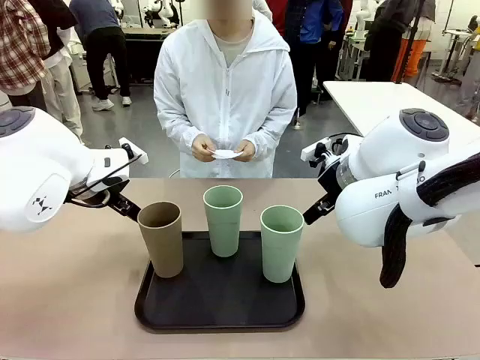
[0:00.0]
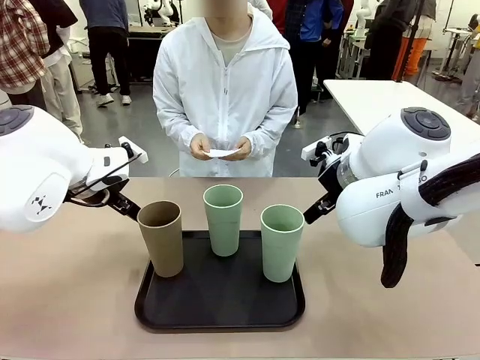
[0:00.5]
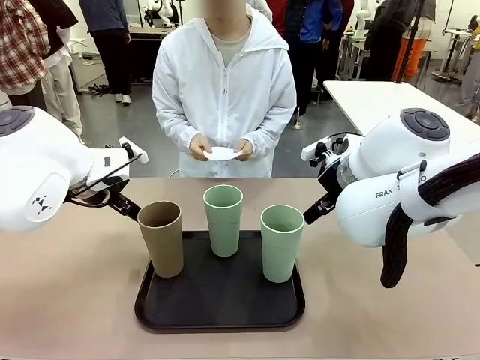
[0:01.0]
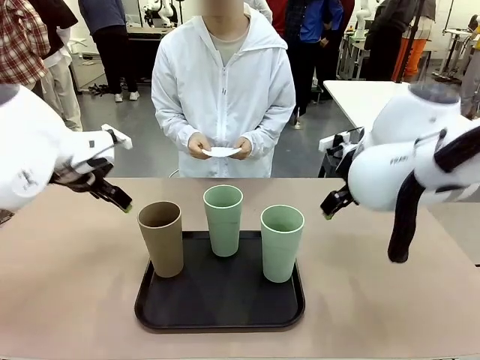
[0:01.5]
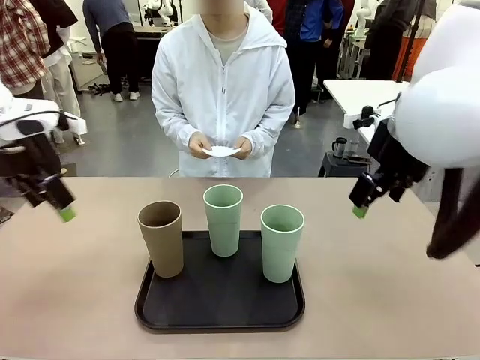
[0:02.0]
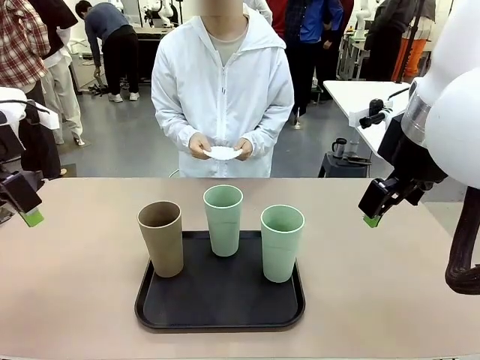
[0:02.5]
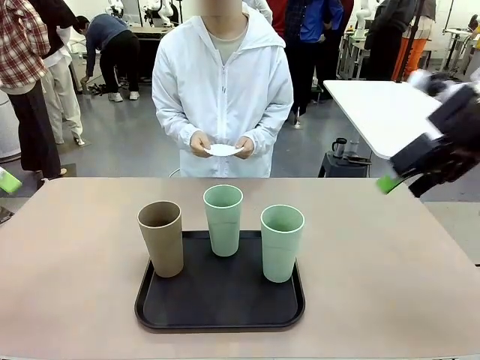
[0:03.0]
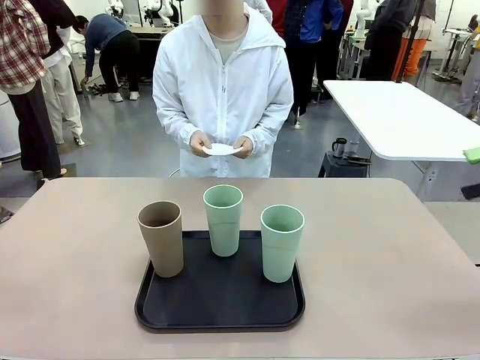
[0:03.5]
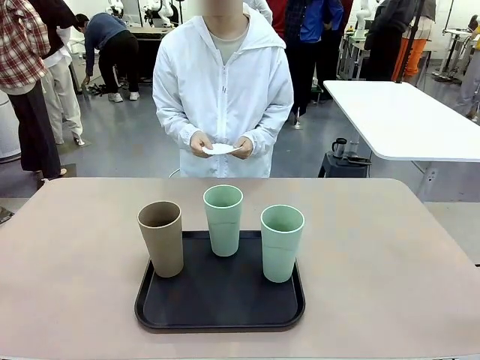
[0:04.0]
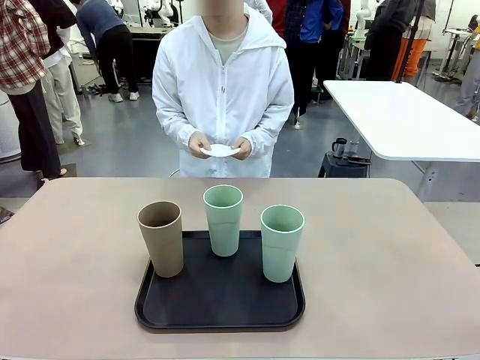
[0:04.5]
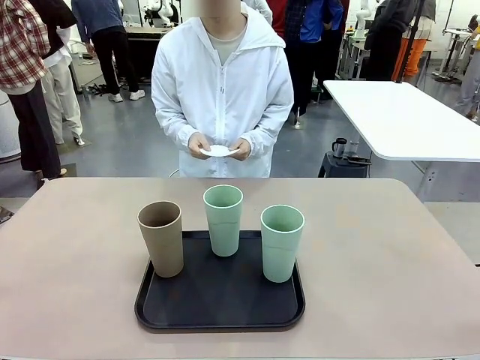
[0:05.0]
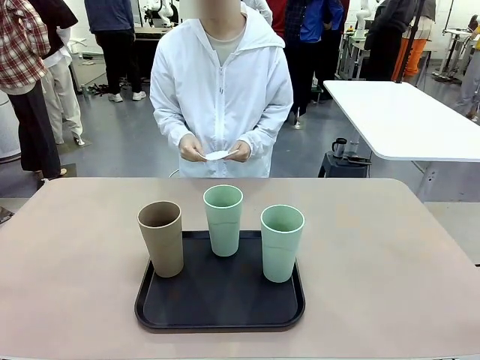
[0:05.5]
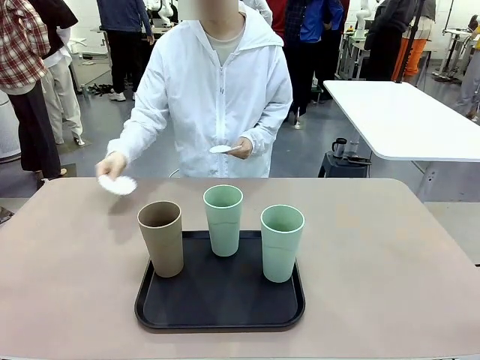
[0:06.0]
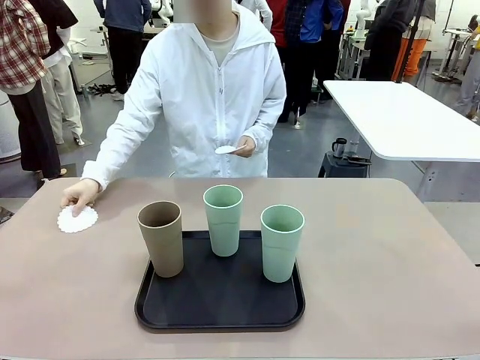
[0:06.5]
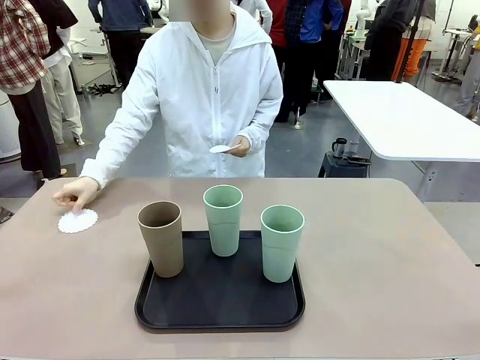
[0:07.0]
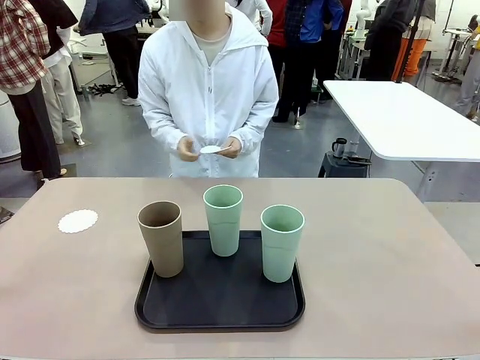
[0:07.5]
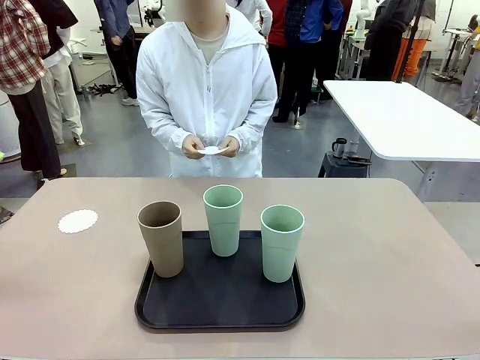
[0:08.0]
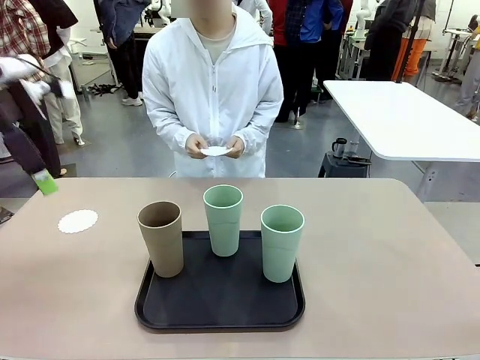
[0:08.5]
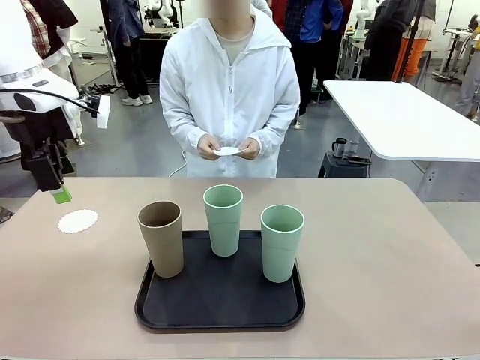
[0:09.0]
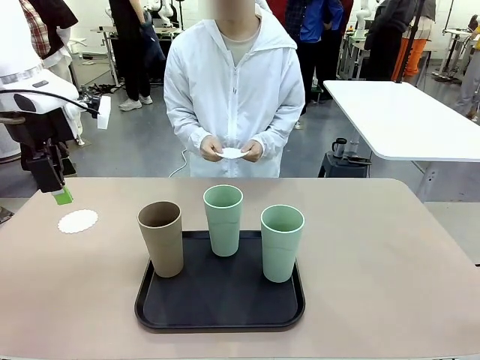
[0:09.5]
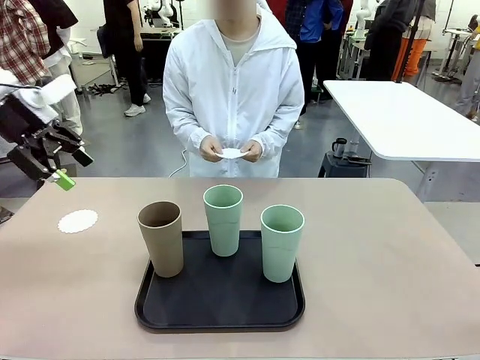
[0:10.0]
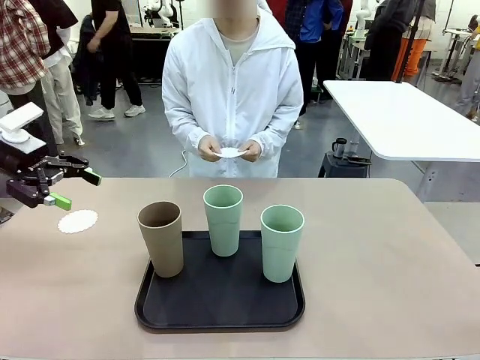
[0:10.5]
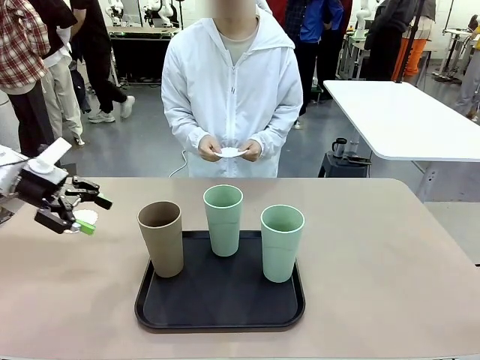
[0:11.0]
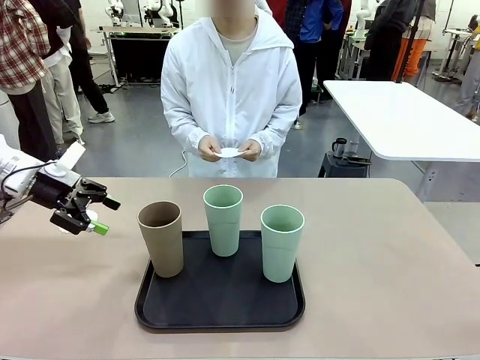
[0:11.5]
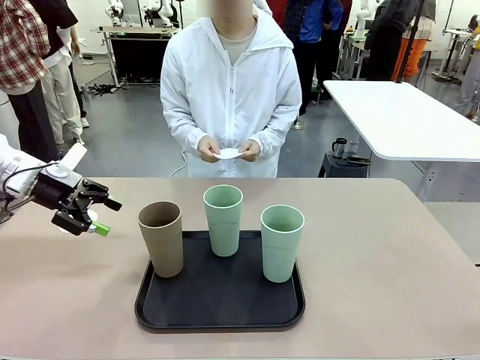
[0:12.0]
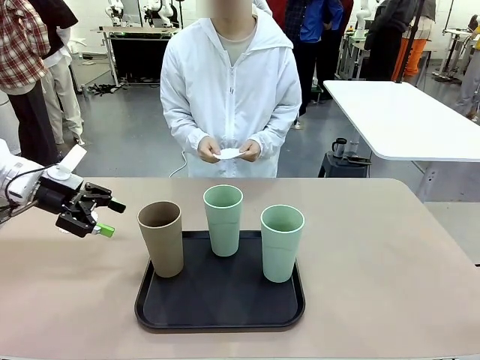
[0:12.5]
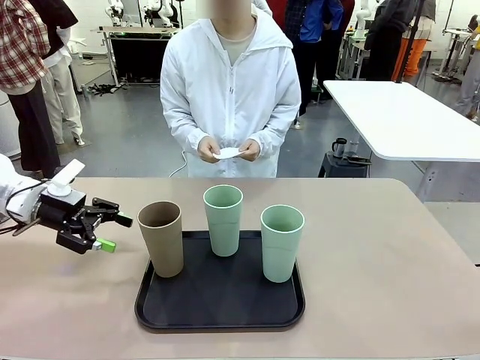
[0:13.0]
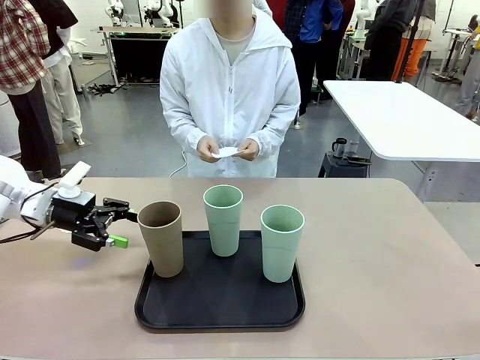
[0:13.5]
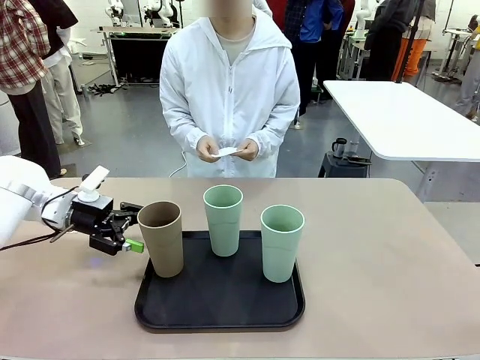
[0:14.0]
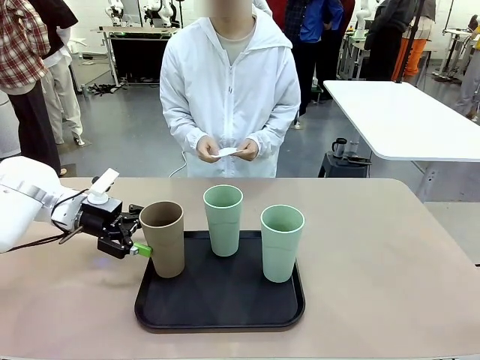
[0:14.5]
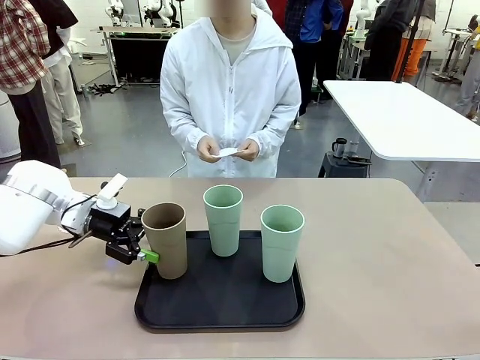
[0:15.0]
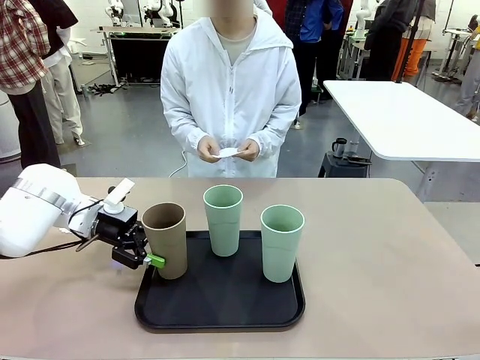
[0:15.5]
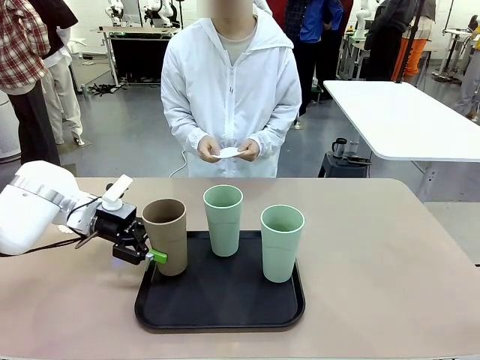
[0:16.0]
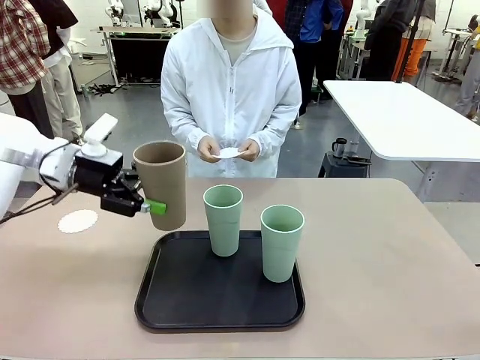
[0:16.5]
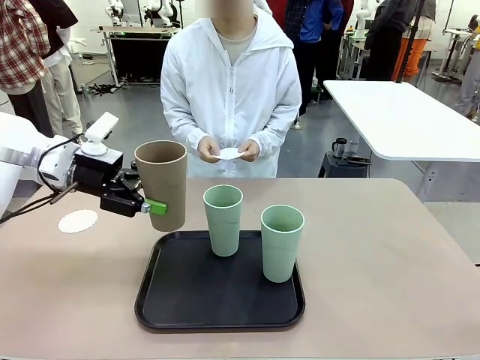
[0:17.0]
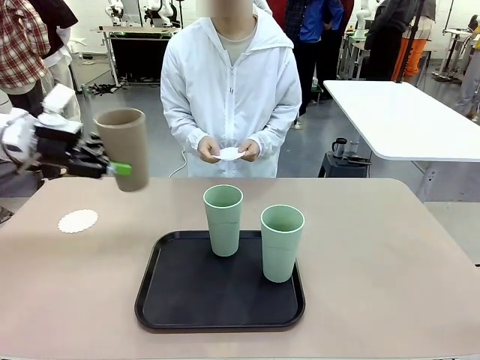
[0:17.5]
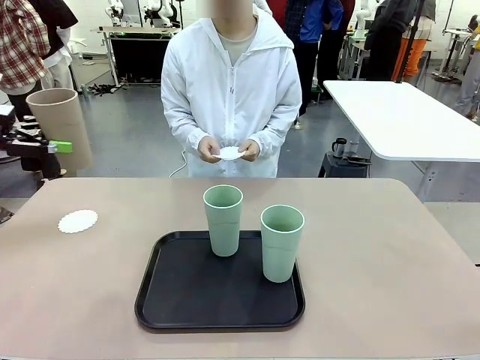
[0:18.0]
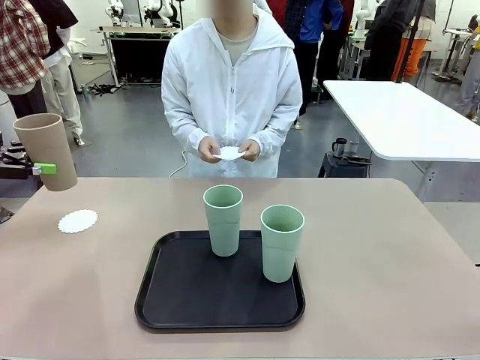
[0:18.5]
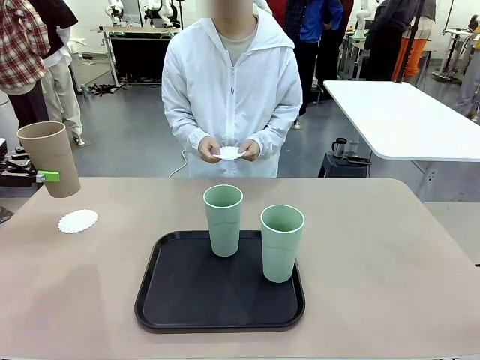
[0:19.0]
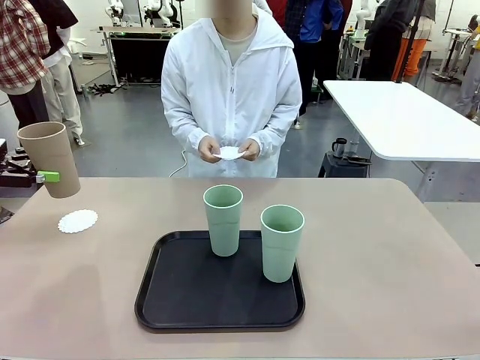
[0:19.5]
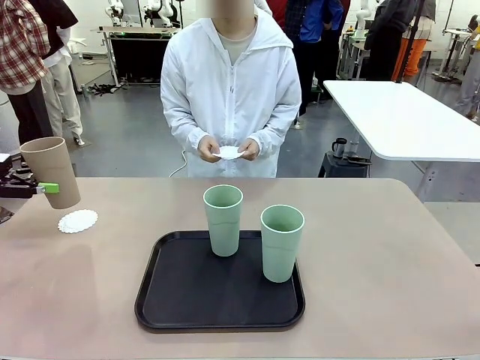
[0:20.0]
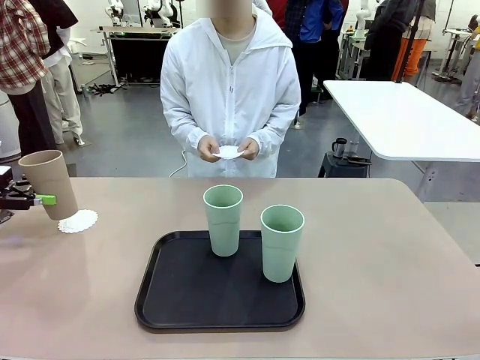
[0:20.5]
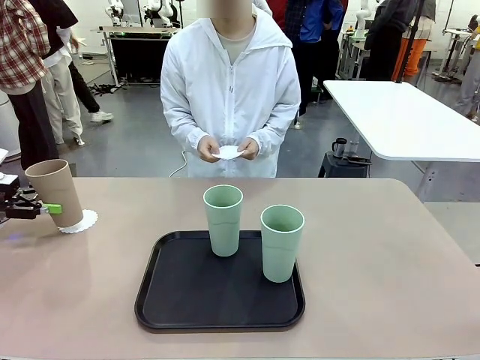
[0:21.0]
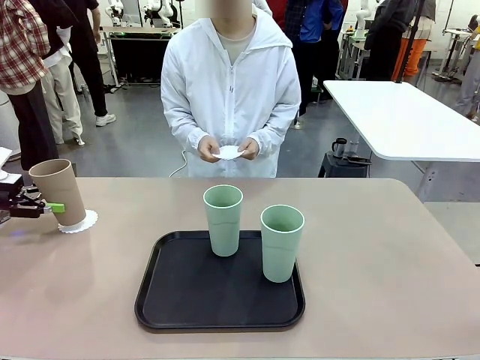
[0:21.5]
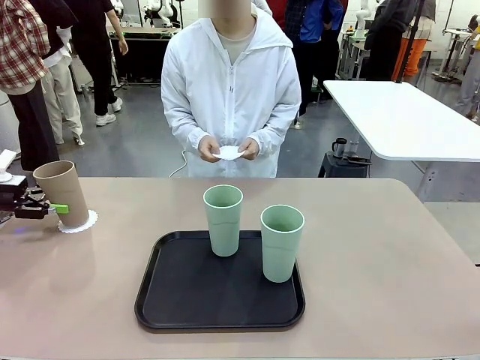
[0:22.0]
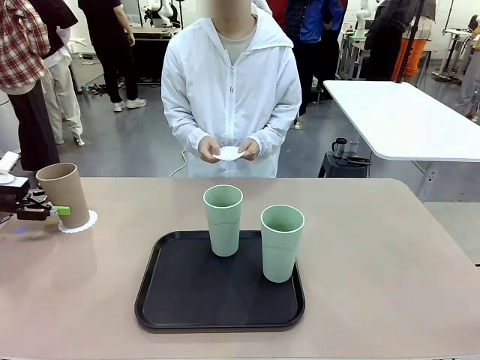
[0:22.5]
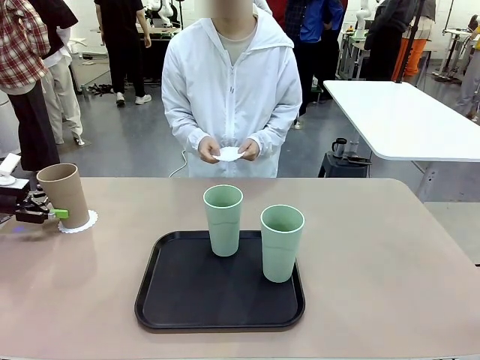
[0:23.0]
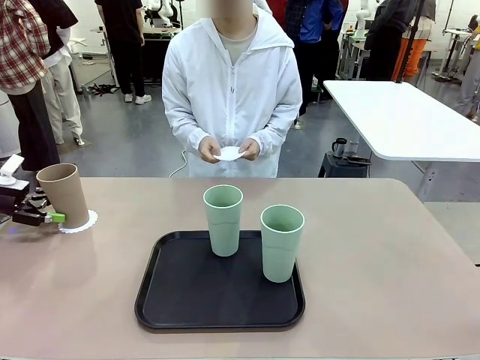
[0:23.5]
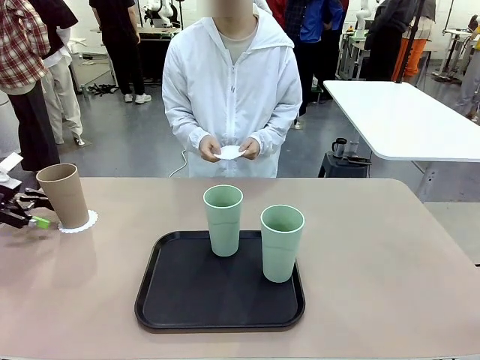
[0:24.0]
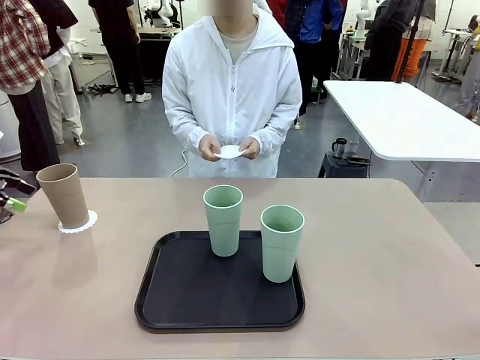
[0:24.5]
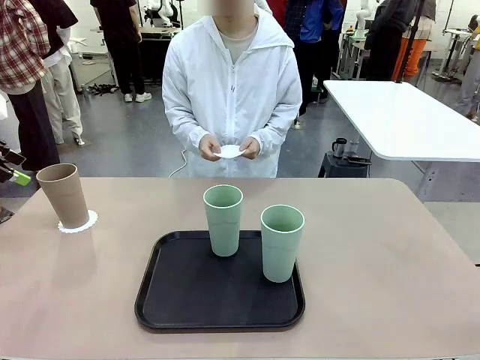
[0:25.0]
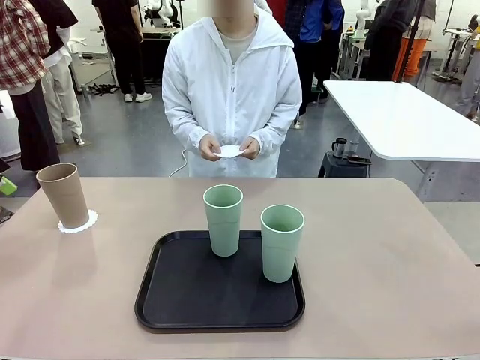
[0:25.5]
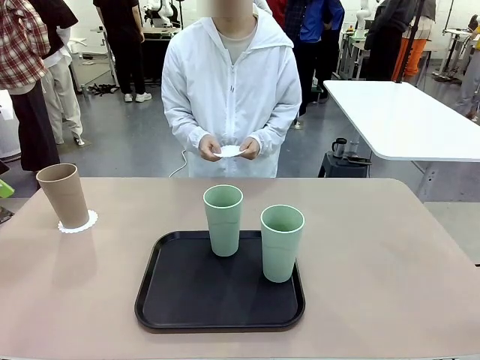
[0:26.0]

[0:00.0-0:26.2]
Task: Place coasters on the table and set cups on them.
Robot: Pick up one Reusable plastic cup and place it on a coaster set by the human.
Person: Place one coaster in any one of the three lower areas of the robot table (left, center, or right). Place one coaster in one of the two areas excluding the previously selected area.
